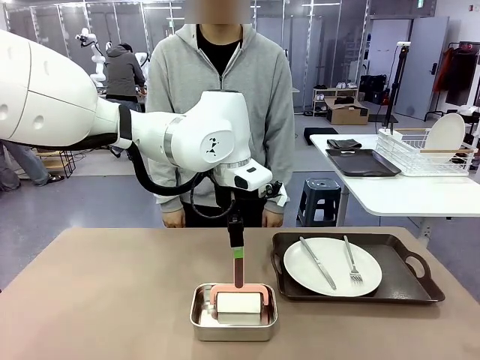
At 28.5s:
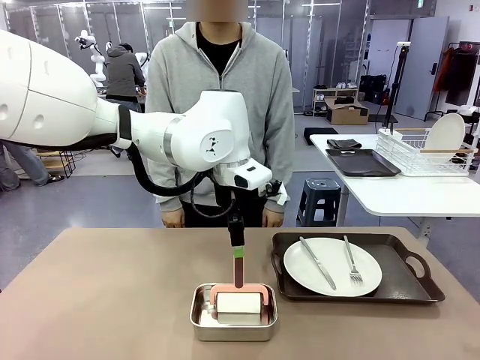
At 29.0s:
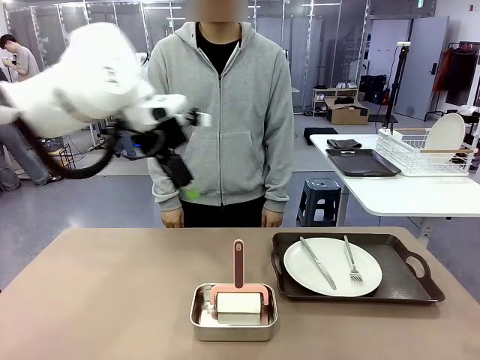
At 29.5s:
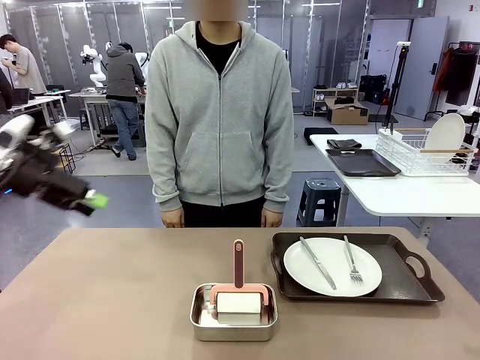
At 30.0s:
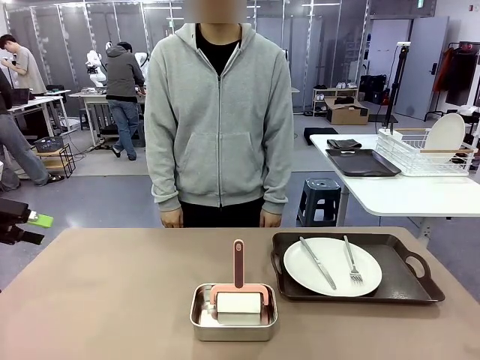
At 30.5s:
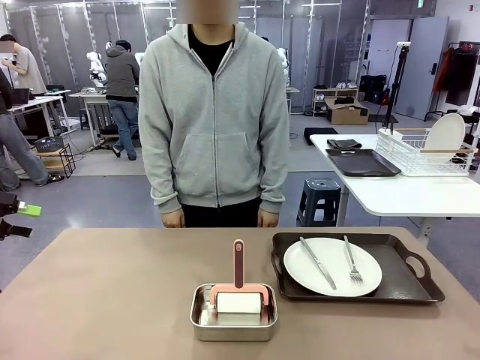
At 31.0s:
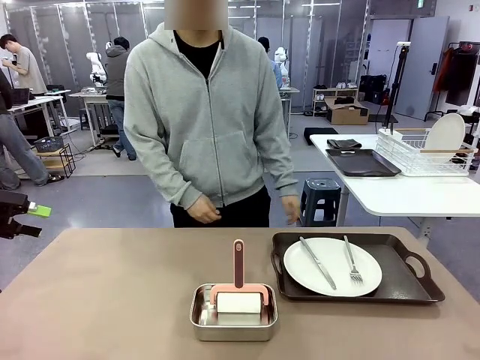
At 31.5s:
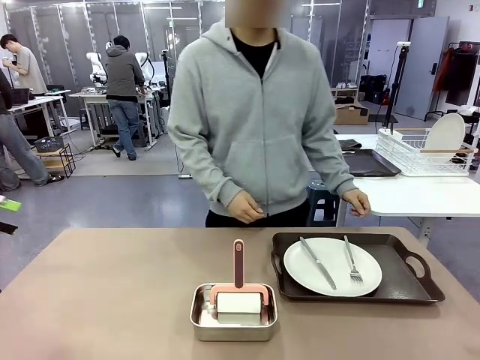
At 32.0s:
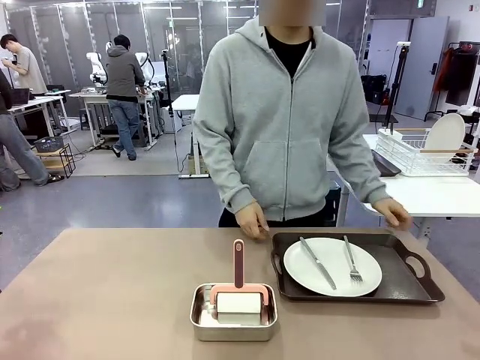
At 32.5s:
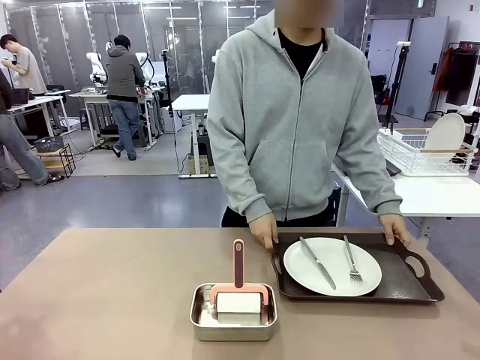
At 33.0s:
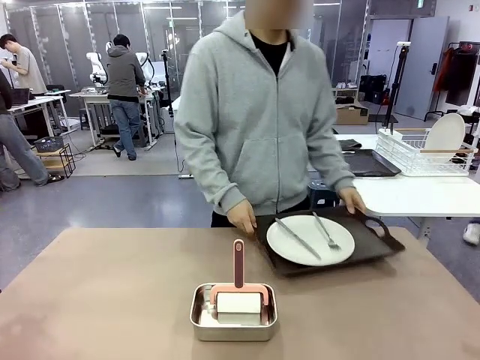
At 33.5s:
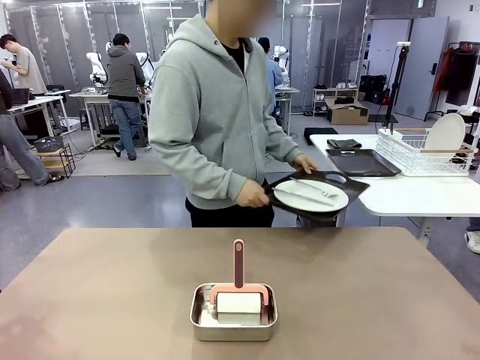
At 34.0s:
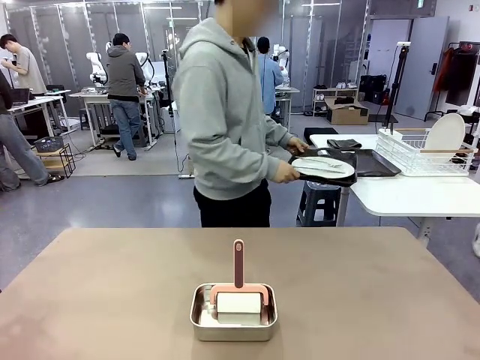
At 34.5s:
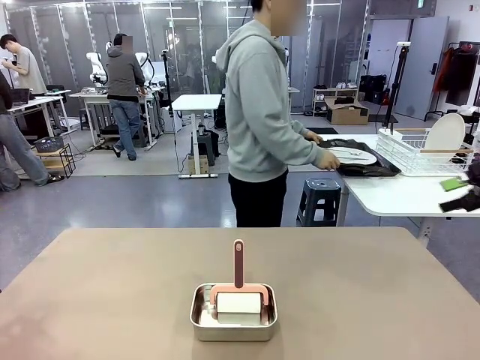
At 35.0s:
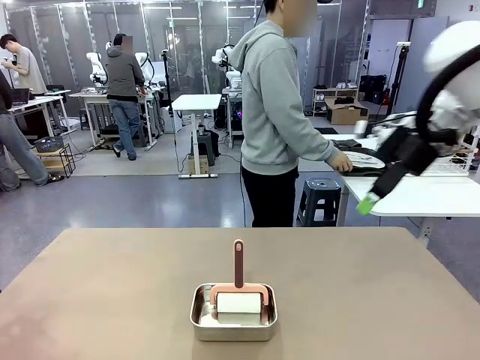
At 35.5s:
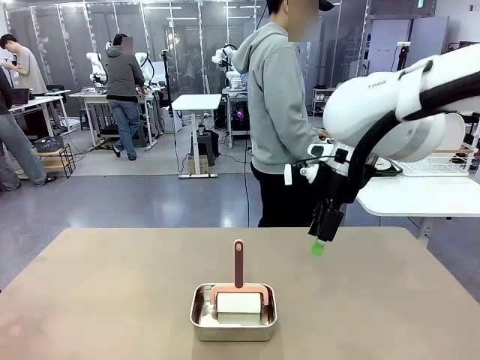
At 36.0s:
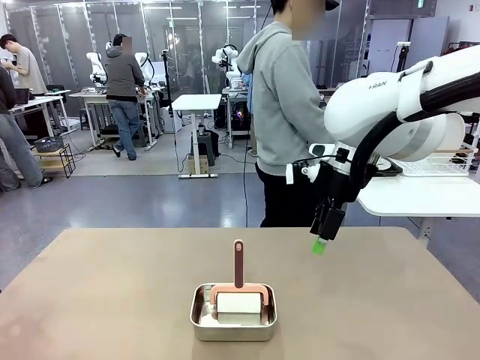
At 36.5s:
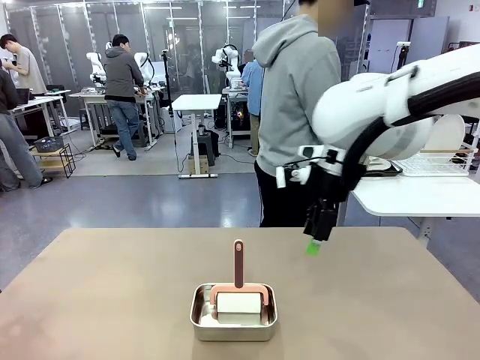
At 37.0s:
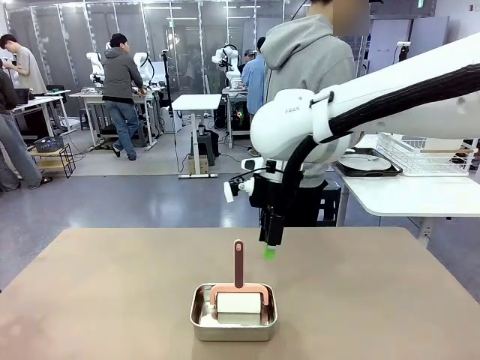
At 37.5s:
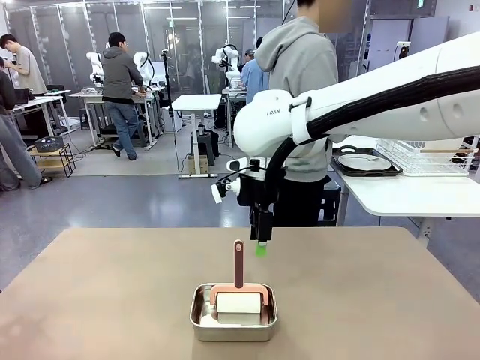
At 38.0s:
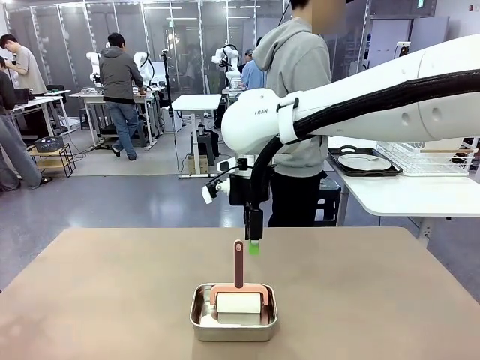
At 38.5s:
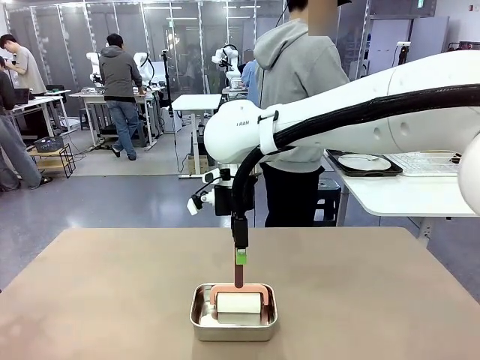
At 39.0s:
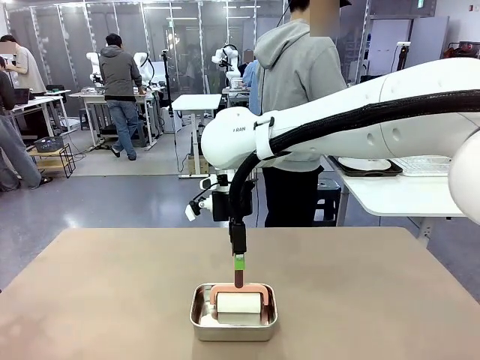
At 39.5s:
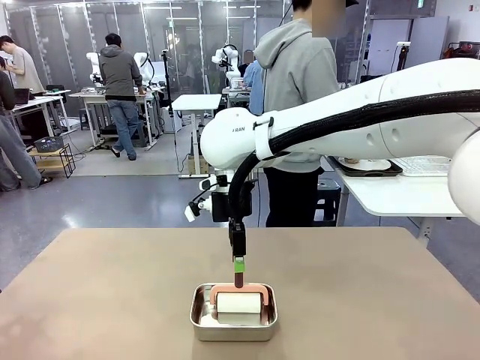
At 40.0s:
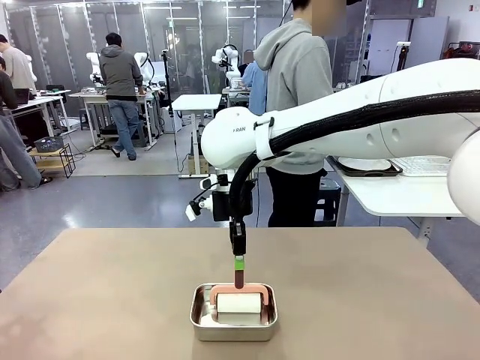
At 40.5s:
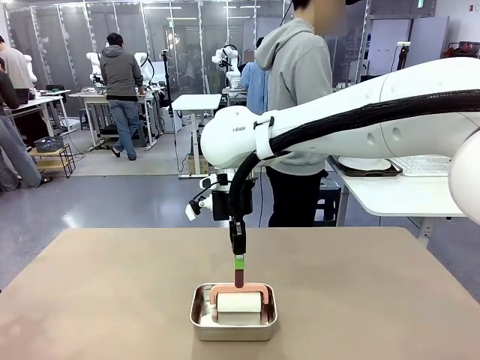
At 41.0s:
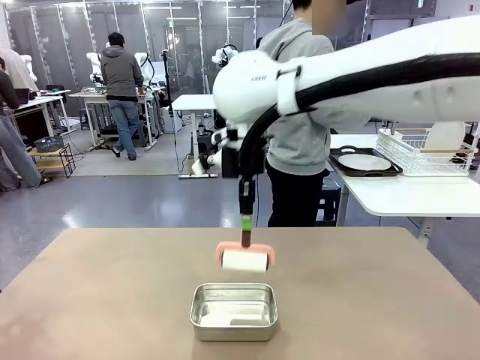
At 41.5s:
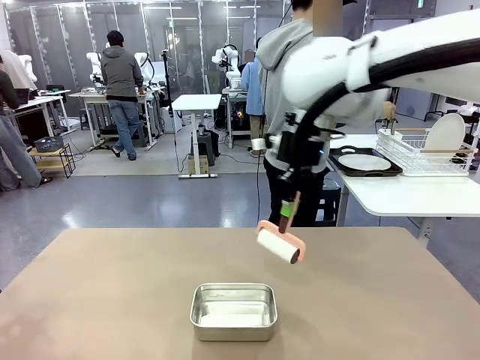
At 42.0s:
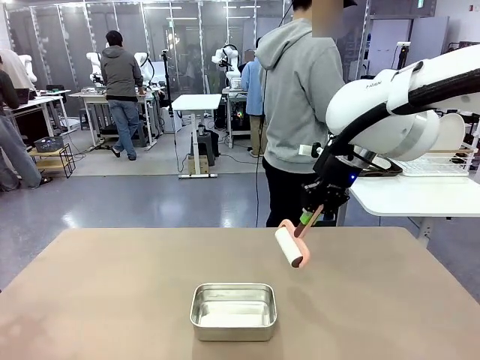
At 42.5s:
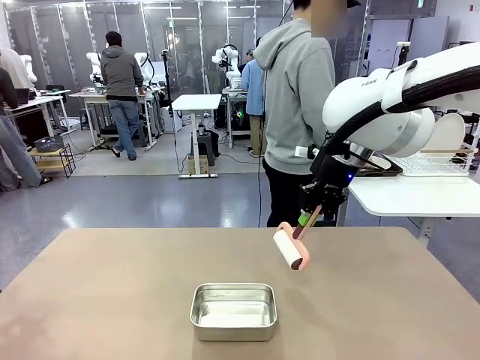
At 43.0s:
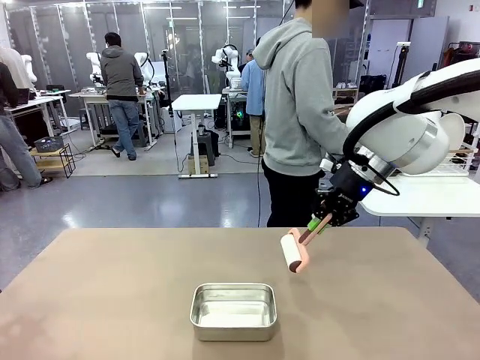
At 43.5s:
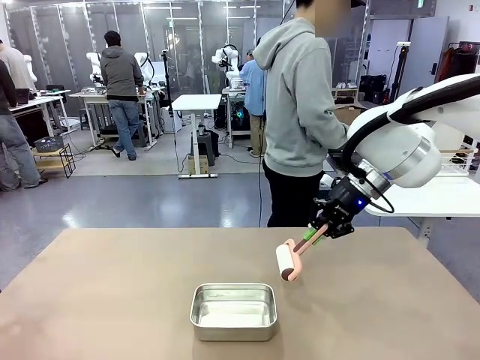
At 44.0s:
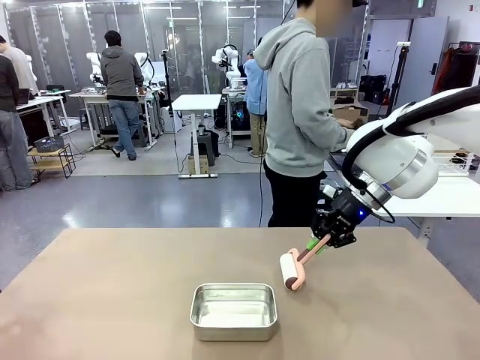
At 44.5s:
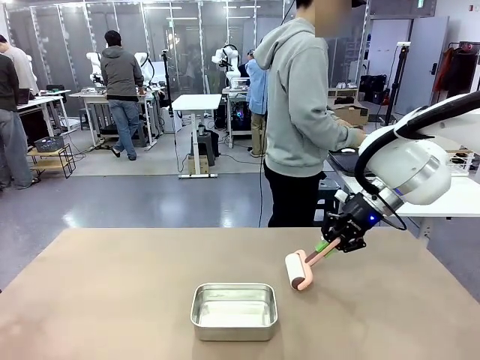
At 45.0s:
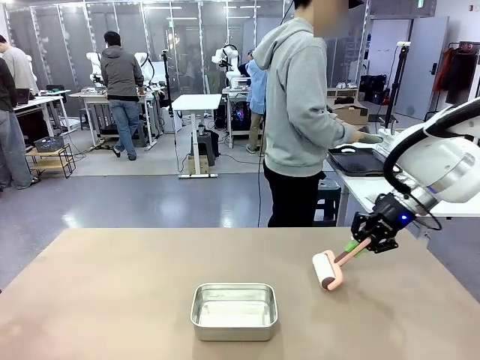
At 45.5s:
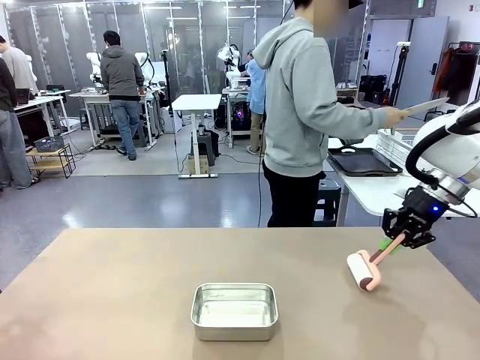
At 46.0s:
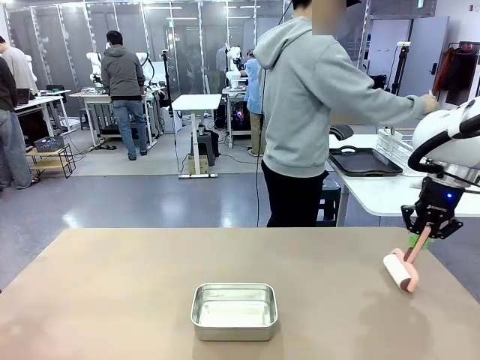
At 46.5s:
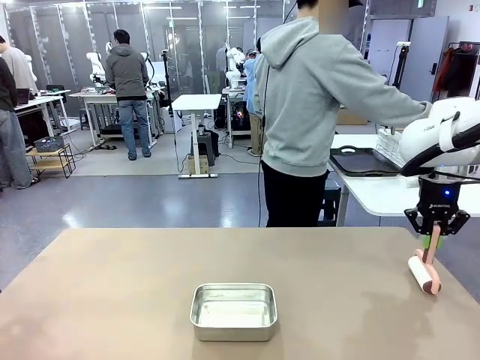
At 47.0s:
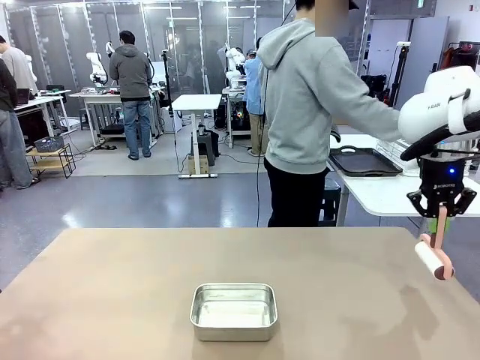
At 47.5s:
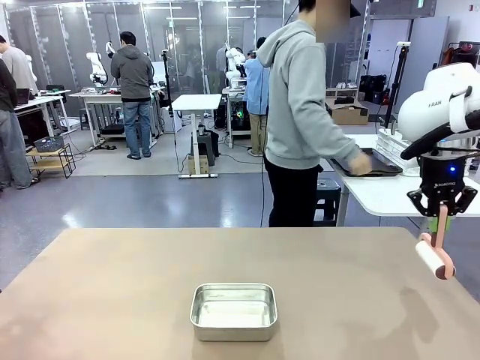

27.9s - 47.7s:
Robot: When the right (or left) Handle tray is removed, use the right hand (or left hand) to clean the right (or left) side of the table with the Lint Roller.
Person: Pick up the left (or right) Handle tray and place it on the Handle tray. Use the Towel with hook to wipe the Plastic Matte Plate , Fork , and Knife and place into the Dish drying rack.
